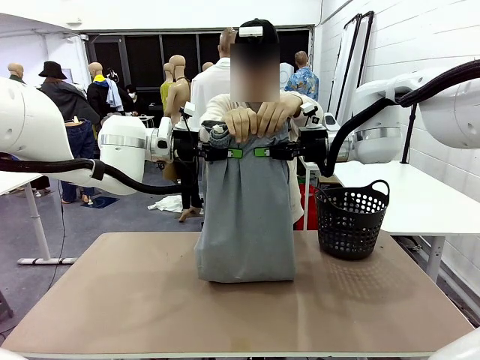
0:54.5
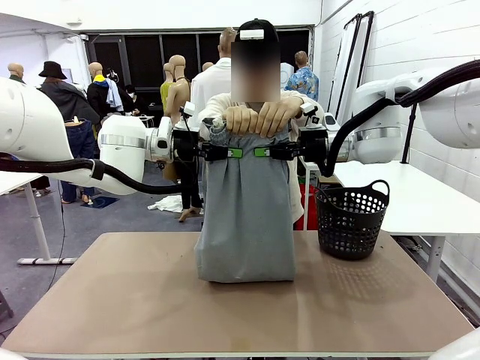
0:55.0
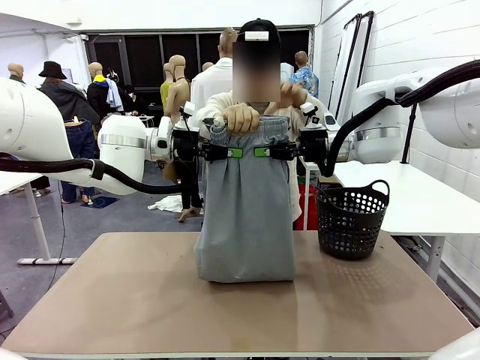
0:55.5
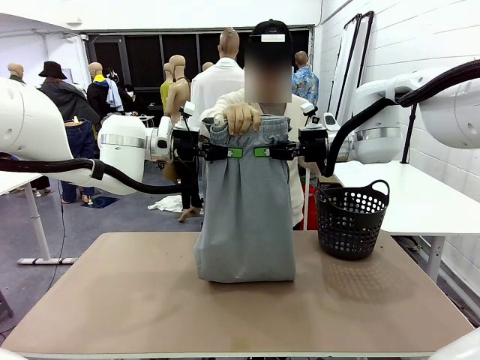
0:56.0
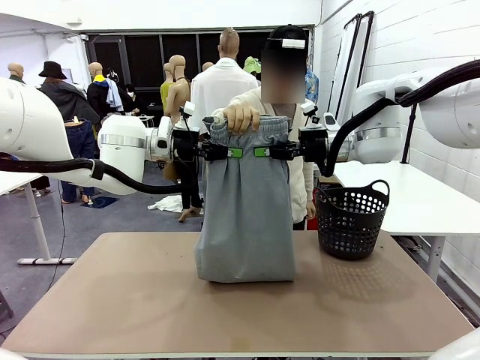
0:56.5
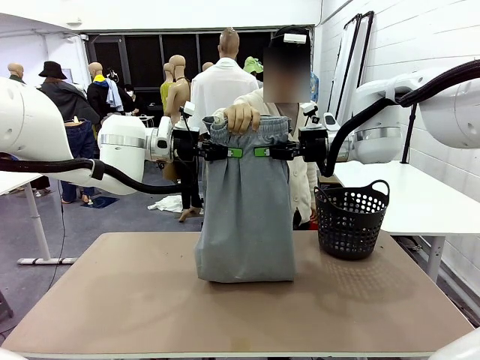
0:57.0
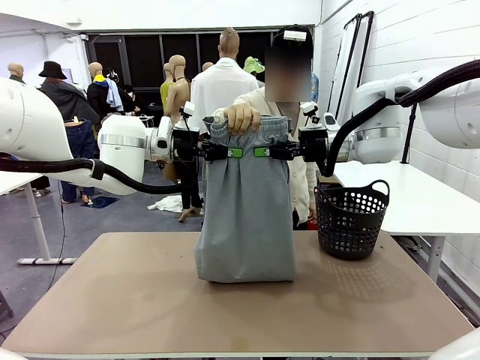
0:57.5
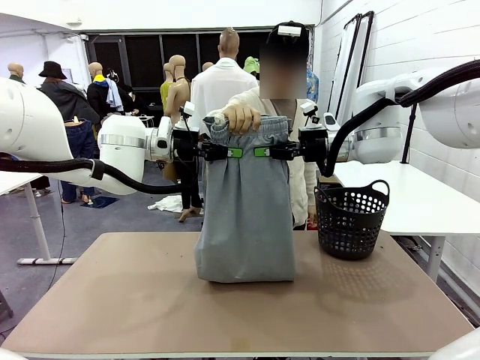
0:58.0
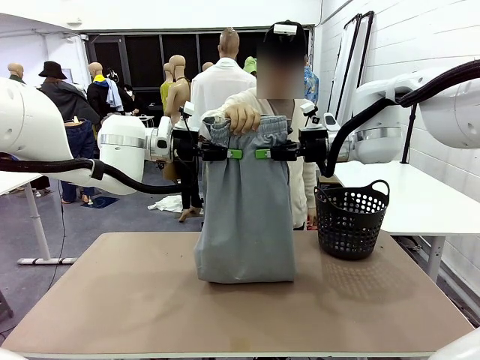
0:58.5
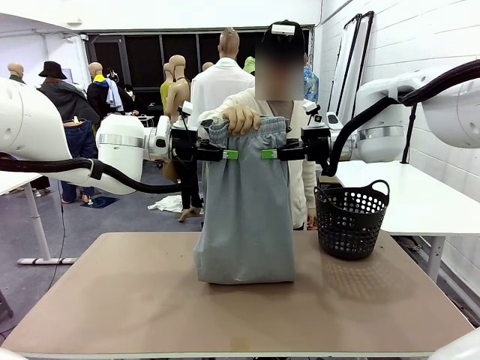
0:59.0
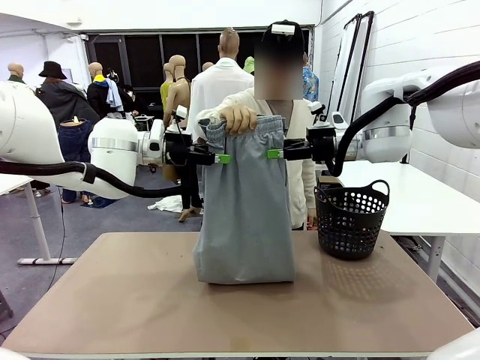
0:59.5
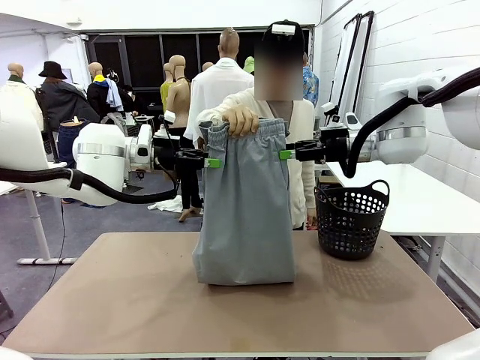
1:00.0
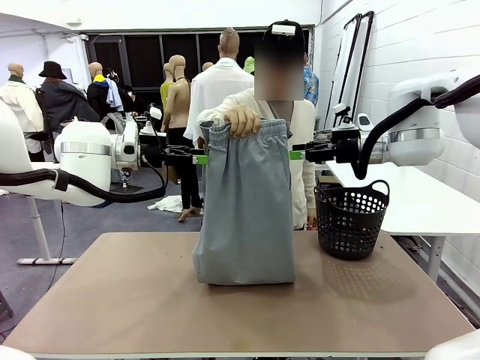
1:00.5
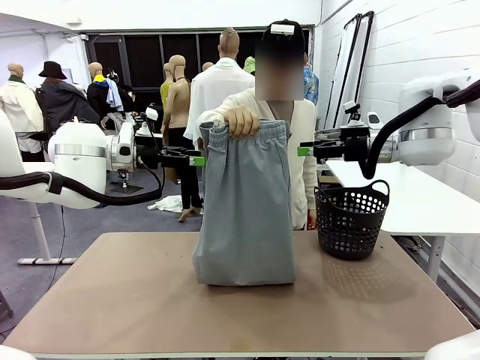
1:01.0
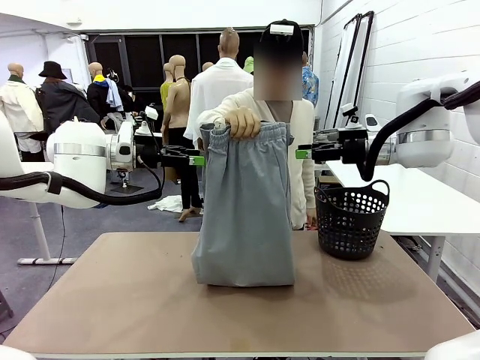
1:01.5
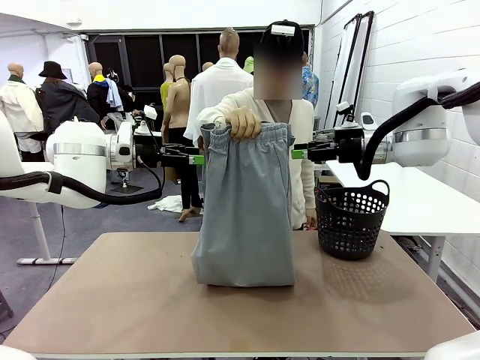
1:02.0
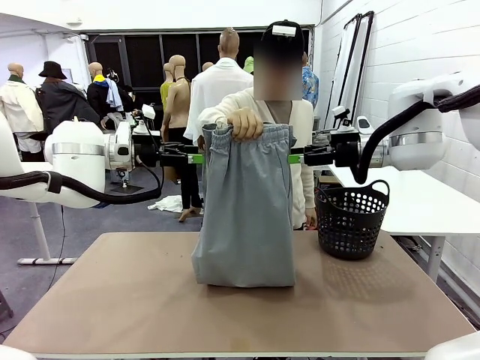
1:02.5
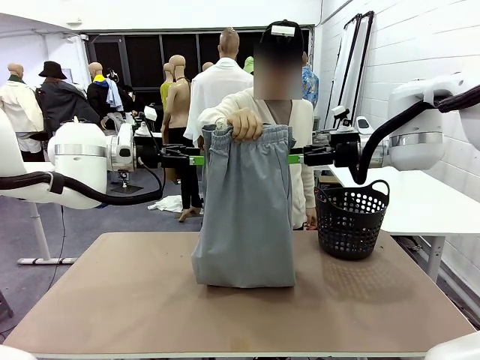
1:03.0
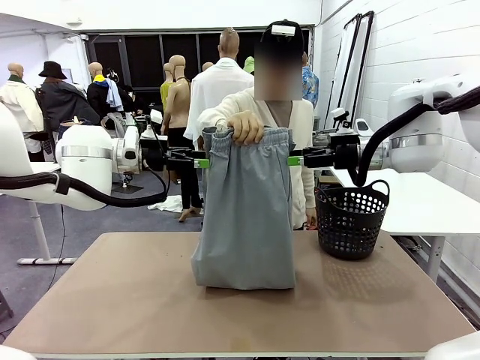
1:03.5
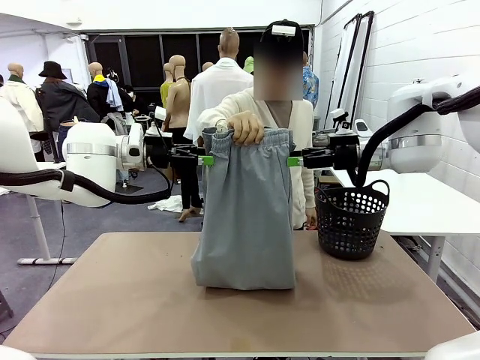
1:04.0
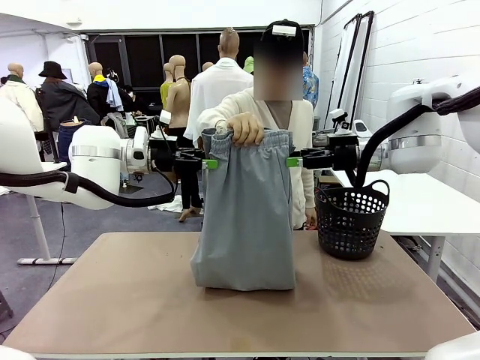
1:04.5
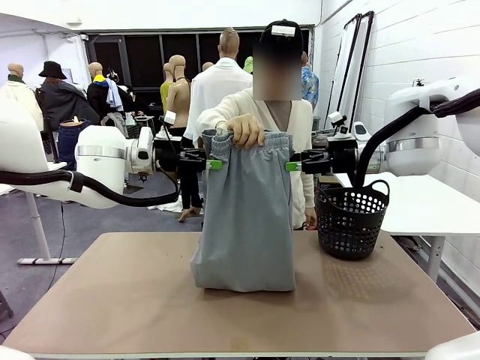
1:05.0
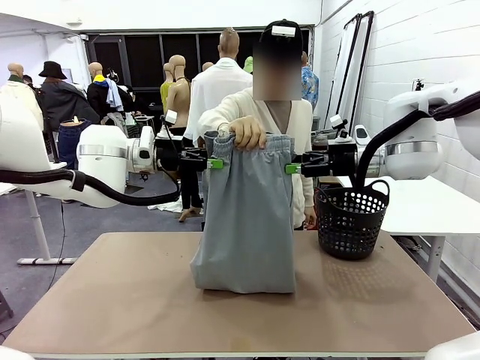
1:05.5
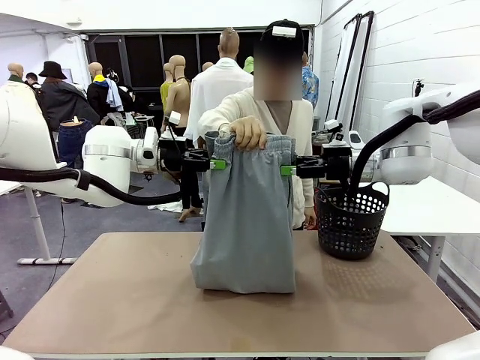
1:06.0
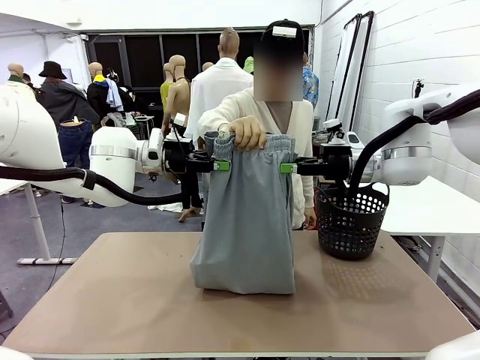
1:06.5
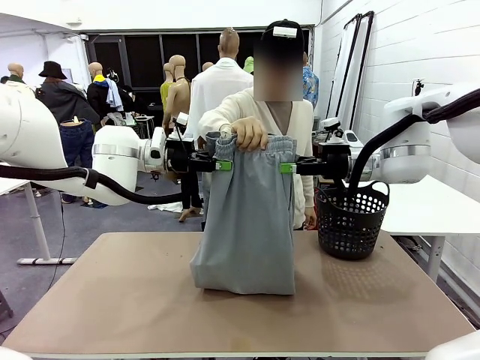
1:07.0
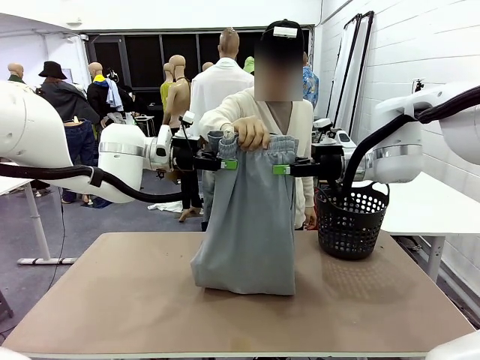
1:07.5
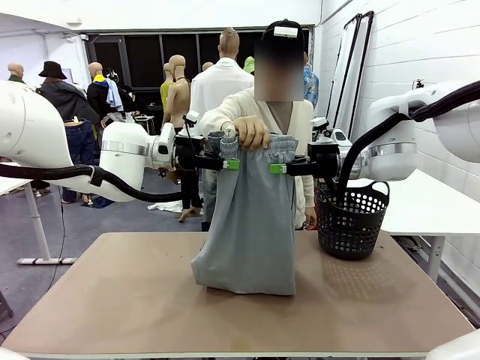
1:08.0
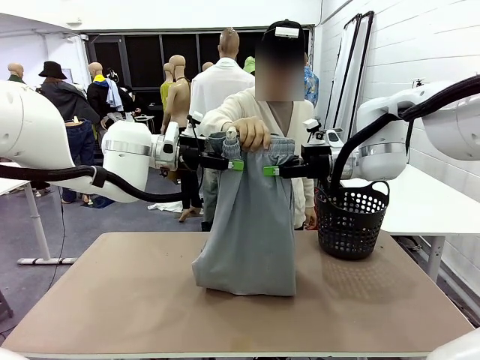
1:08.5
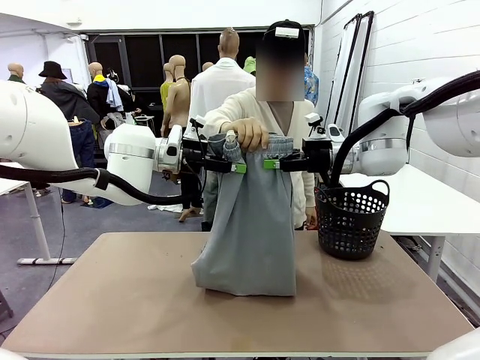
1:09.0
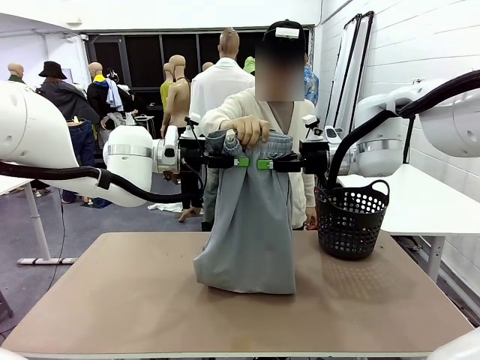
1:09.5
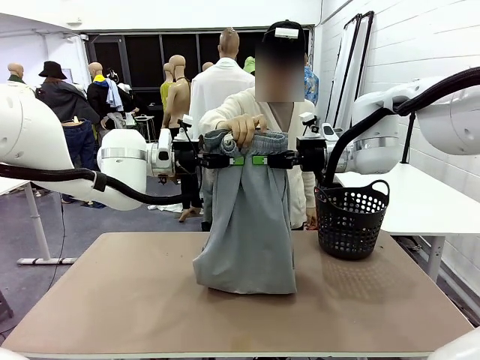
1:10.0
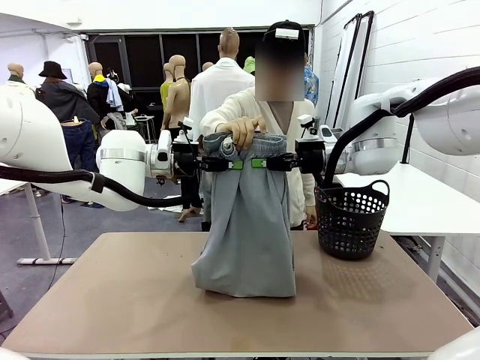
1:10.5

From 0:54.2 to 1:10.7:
Task: Fold the training pants.
Robot: Release the ends of the Training pants and then grab the overlapped ends.
Person: Release the pants you were holding.

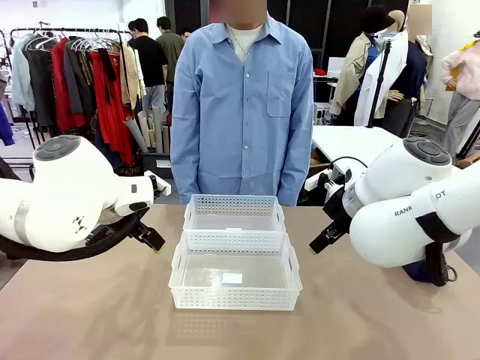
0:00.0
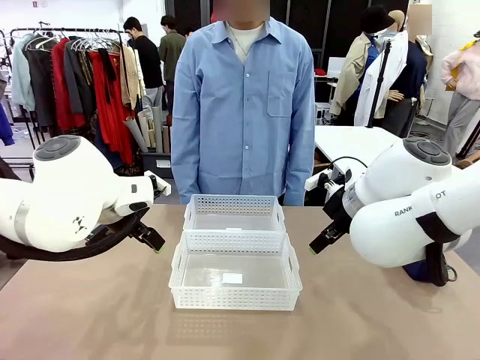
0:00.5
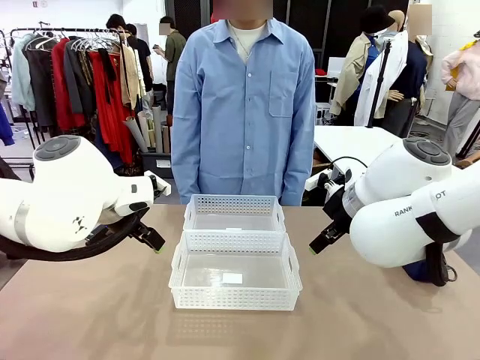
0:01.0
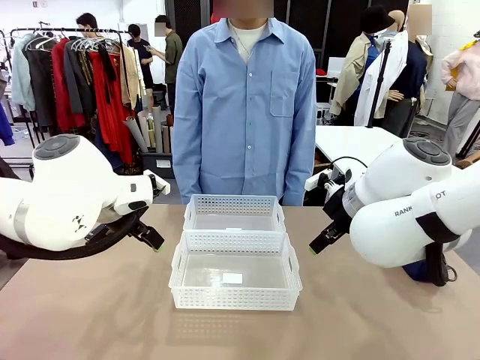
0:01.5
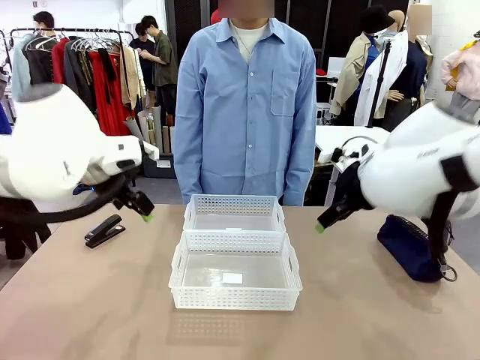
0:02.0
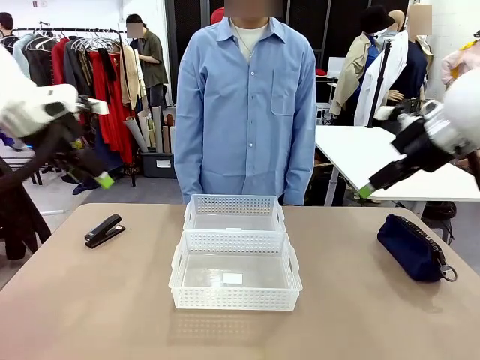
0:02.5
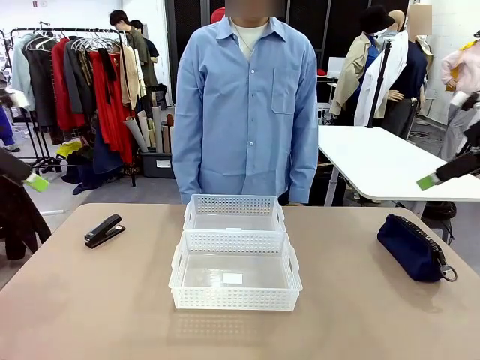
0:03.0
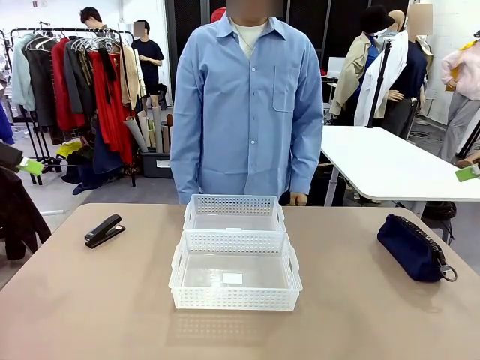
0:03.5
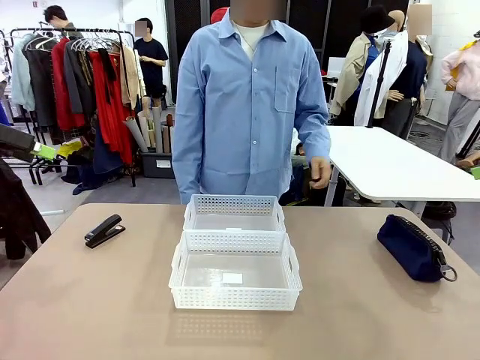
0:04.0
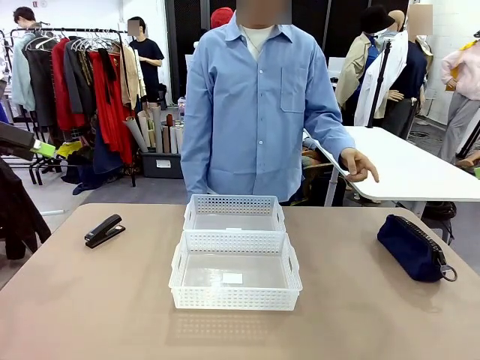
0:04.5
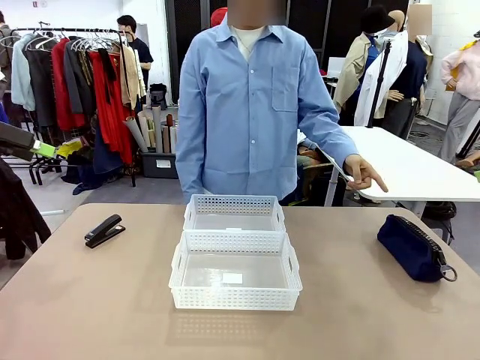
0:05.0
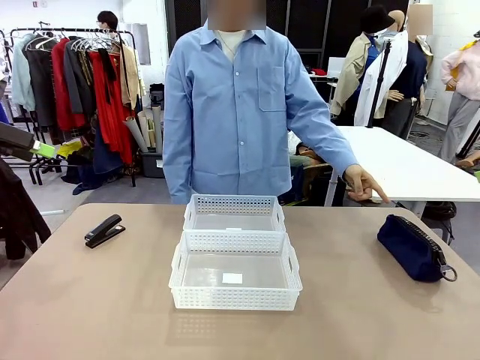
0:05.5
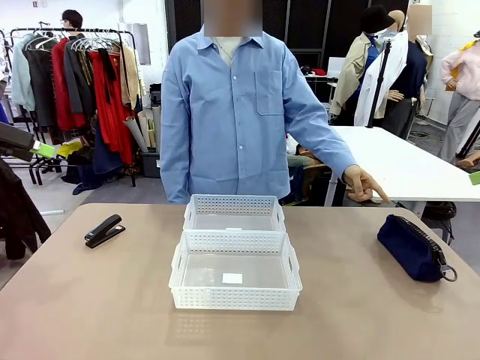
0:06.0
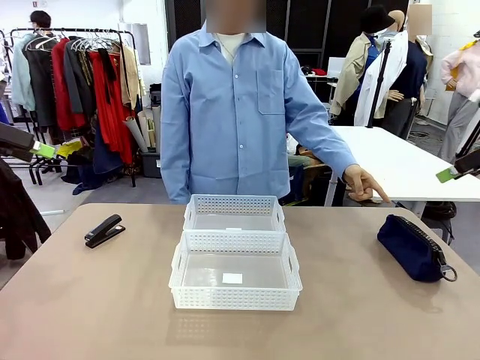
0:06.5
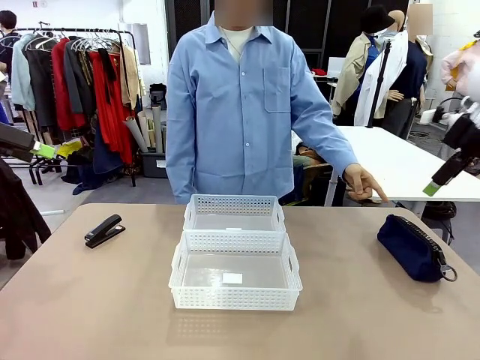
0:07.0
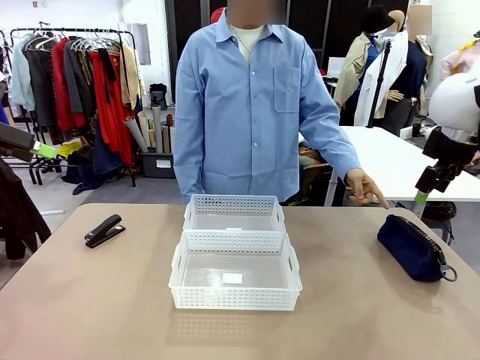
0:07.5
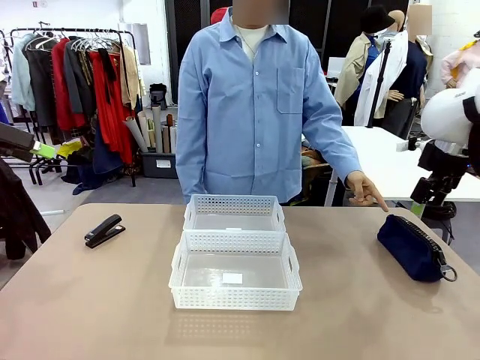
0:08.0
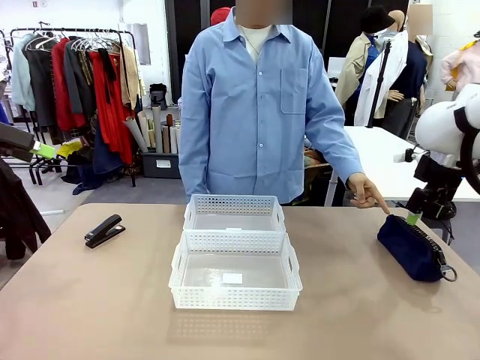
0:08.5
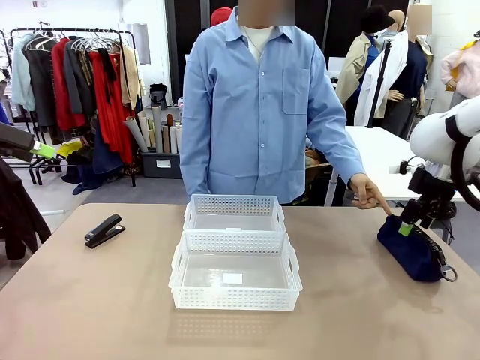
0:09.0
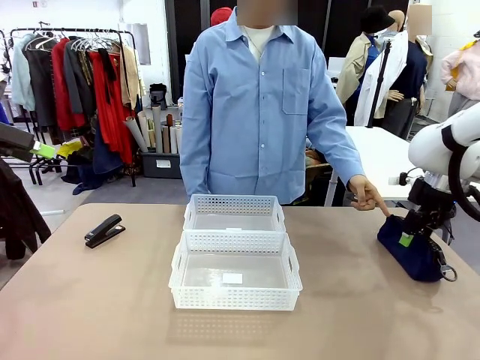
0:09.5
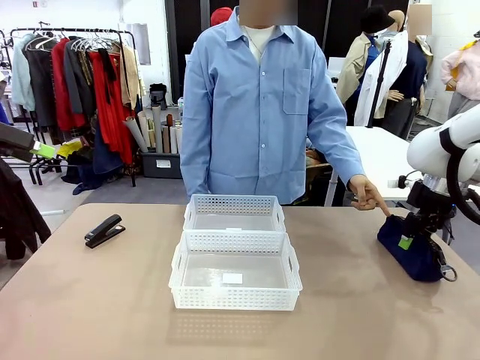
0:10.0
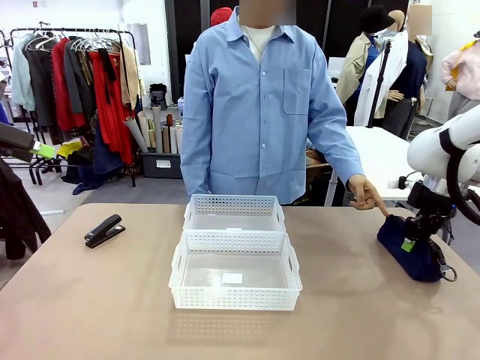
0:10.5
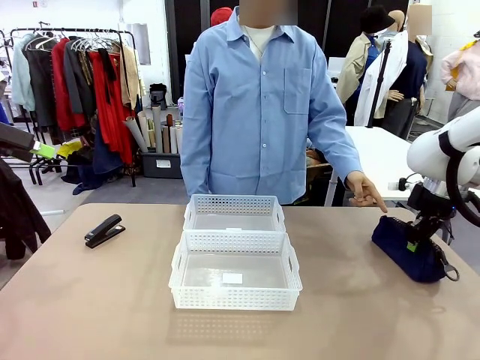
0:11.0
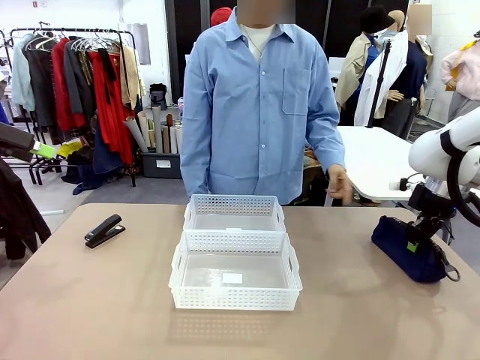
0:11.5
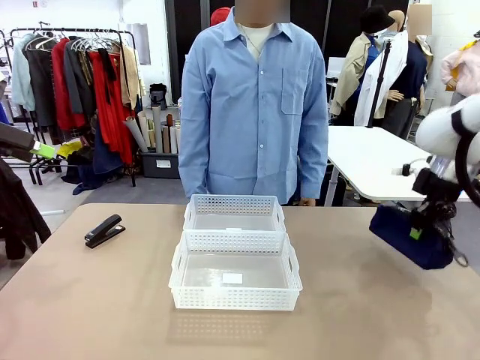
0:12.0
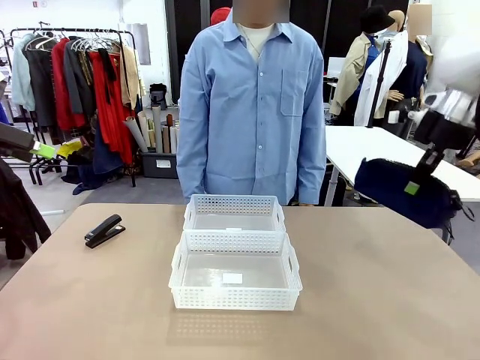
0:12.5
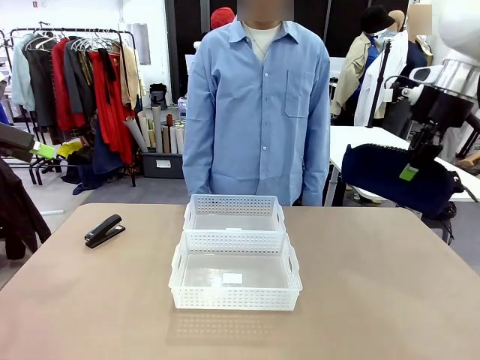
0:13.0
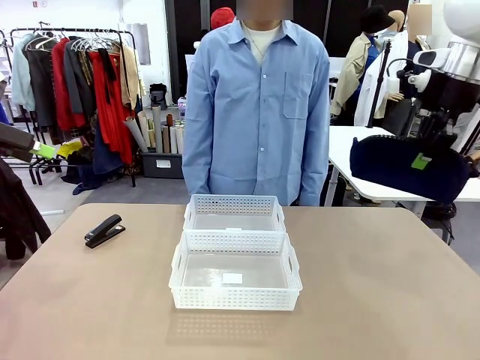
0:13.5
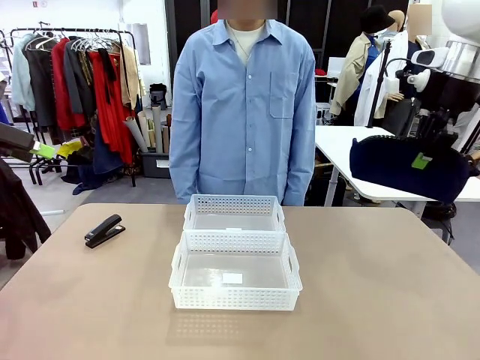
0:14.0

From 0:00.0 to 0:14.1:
Task: Distribute items into two baskets.
Robot: Pick up the Pencil pouch that the person points to.
Person: Points to the pencil case. Points between the two organizing baskets and instructs the robot to move the pencil case.
